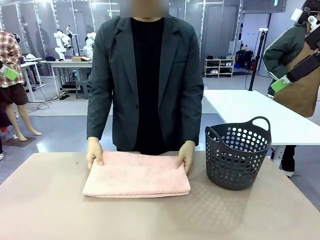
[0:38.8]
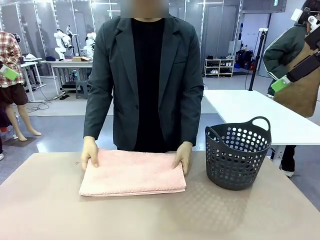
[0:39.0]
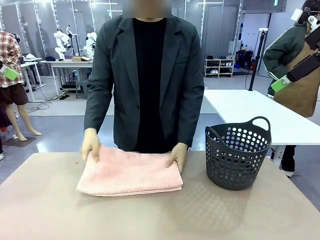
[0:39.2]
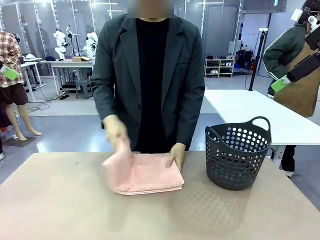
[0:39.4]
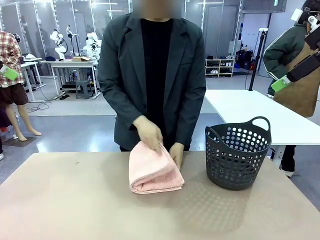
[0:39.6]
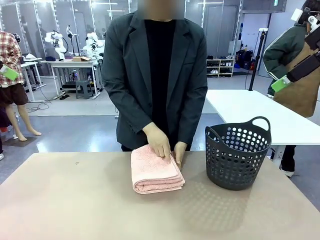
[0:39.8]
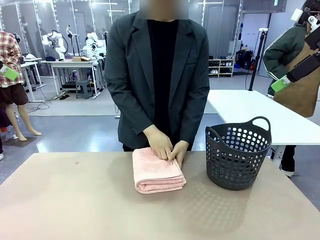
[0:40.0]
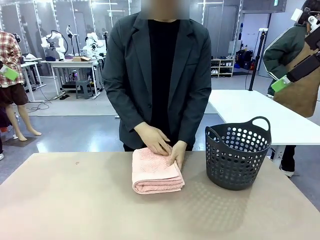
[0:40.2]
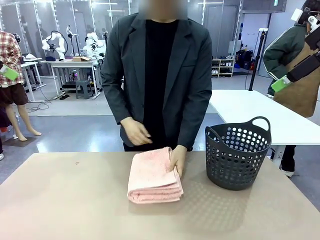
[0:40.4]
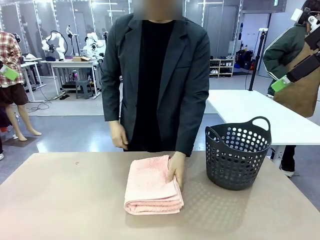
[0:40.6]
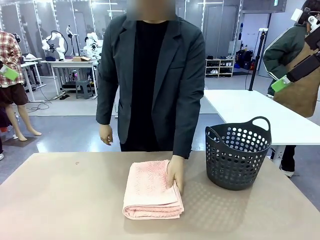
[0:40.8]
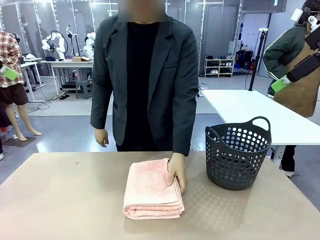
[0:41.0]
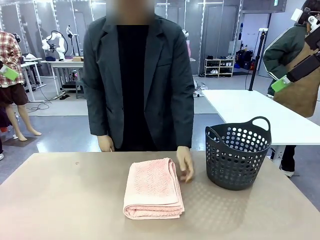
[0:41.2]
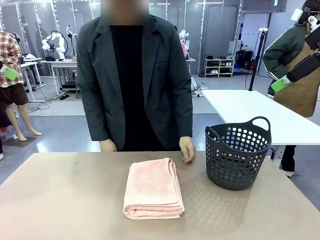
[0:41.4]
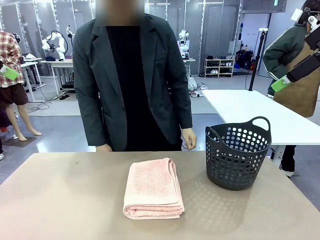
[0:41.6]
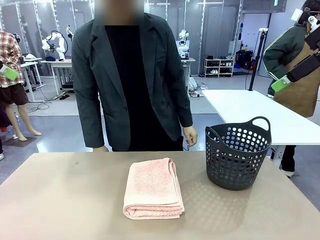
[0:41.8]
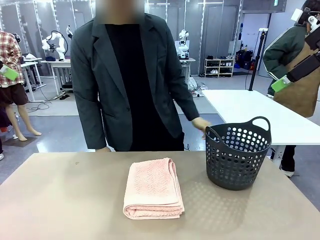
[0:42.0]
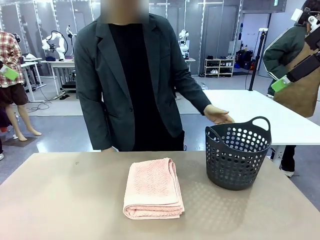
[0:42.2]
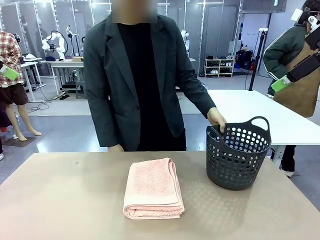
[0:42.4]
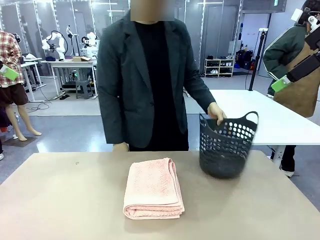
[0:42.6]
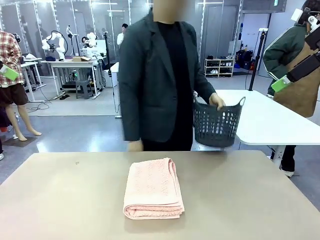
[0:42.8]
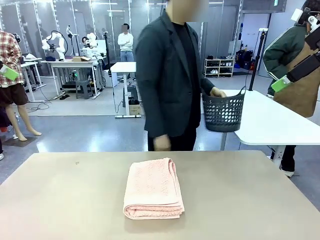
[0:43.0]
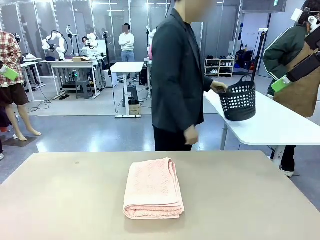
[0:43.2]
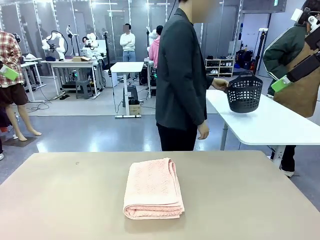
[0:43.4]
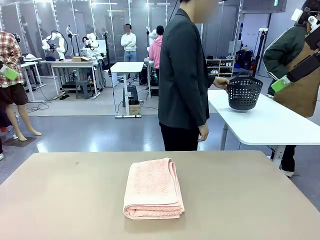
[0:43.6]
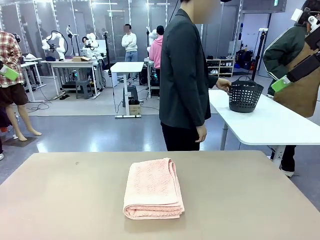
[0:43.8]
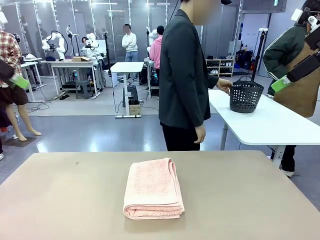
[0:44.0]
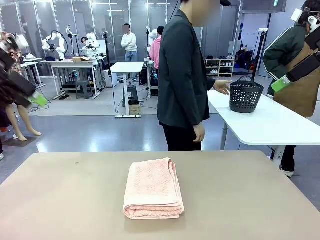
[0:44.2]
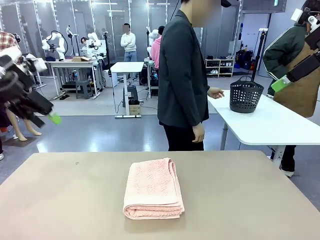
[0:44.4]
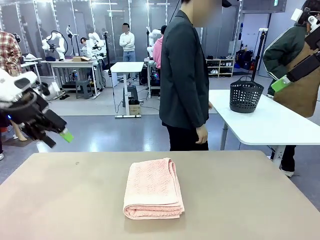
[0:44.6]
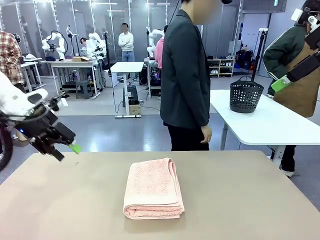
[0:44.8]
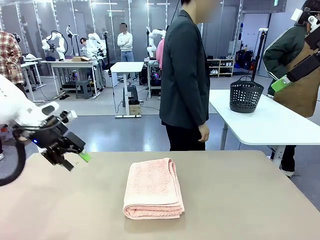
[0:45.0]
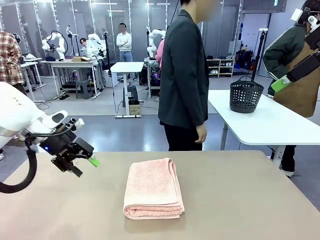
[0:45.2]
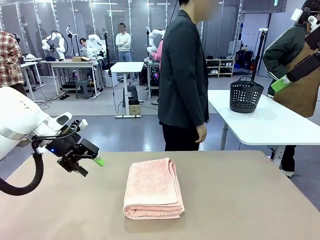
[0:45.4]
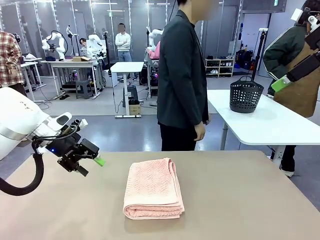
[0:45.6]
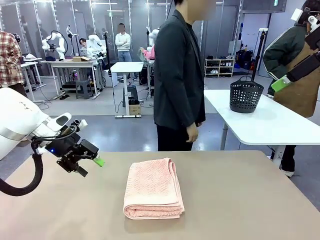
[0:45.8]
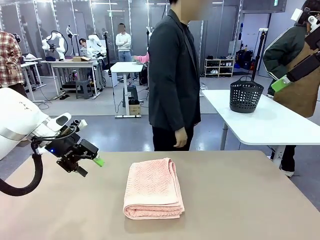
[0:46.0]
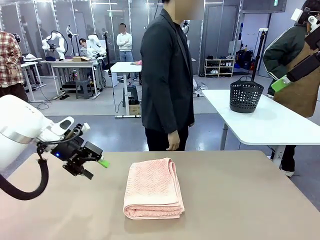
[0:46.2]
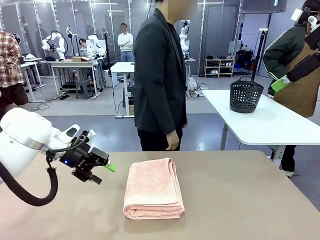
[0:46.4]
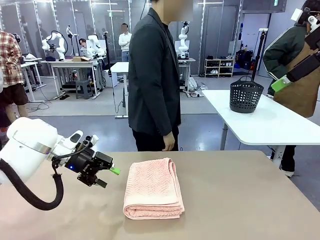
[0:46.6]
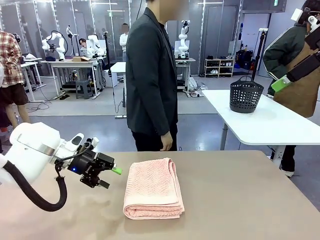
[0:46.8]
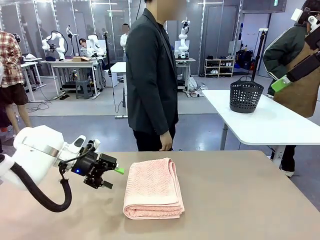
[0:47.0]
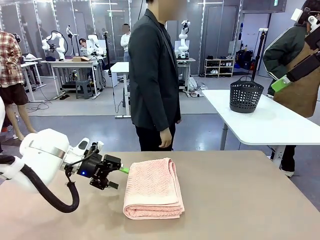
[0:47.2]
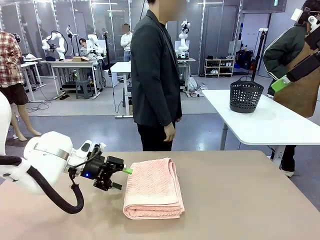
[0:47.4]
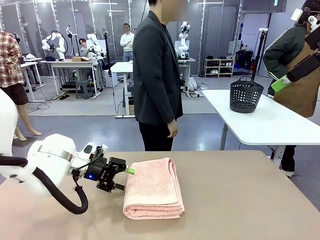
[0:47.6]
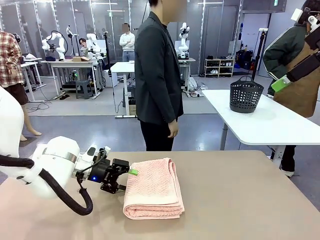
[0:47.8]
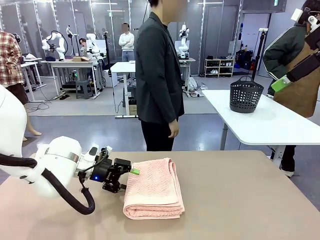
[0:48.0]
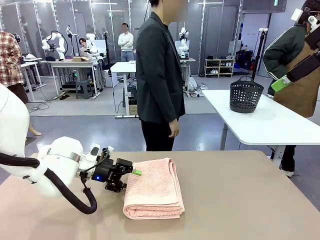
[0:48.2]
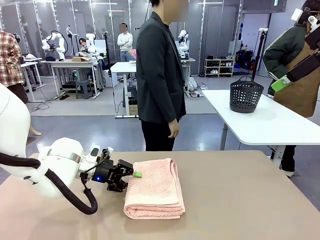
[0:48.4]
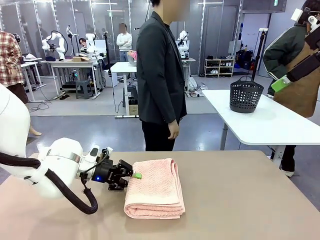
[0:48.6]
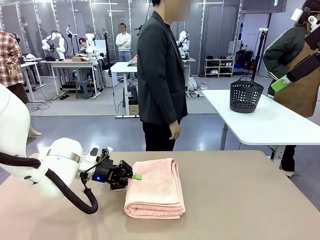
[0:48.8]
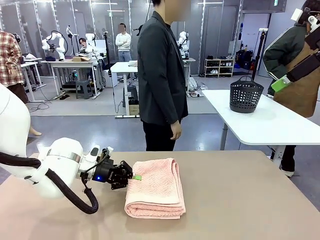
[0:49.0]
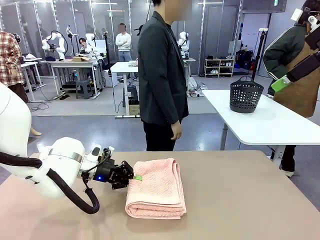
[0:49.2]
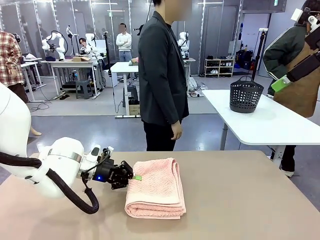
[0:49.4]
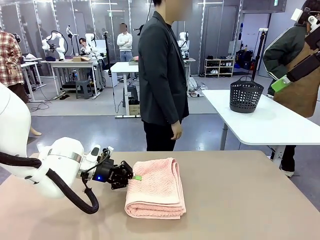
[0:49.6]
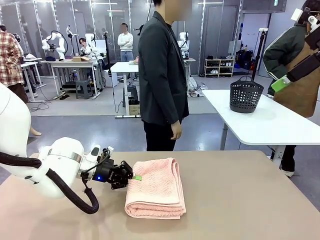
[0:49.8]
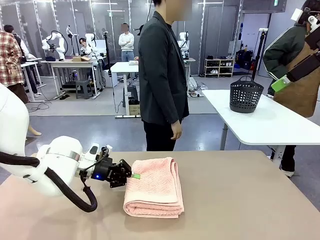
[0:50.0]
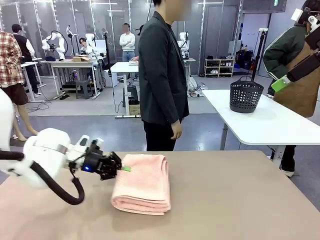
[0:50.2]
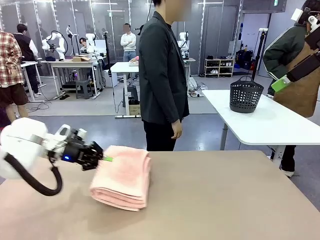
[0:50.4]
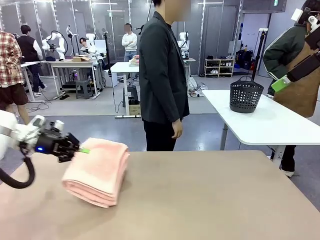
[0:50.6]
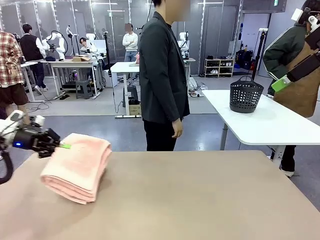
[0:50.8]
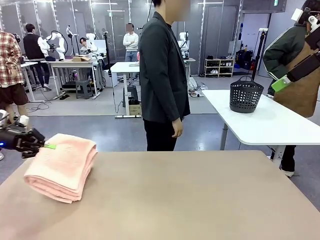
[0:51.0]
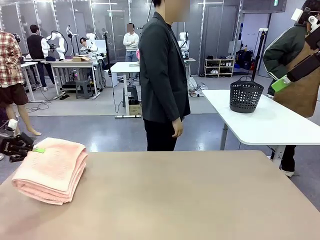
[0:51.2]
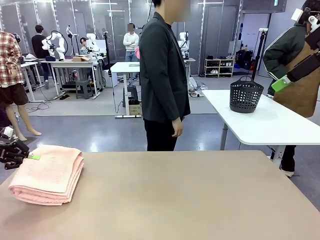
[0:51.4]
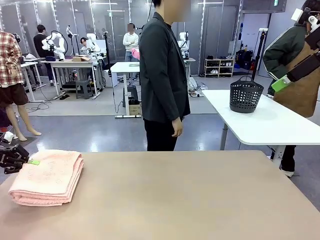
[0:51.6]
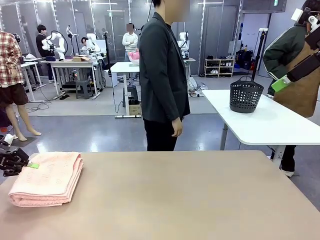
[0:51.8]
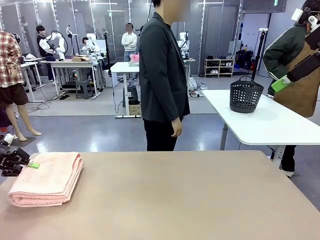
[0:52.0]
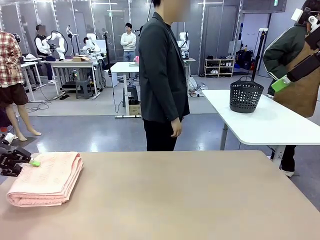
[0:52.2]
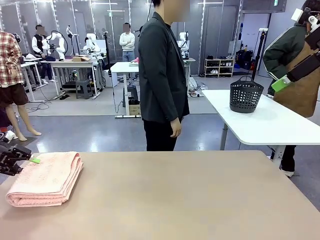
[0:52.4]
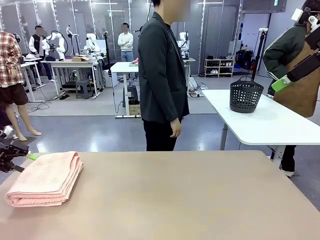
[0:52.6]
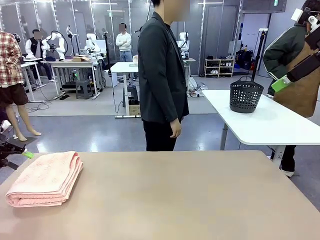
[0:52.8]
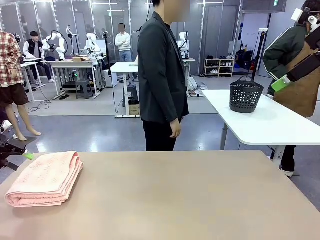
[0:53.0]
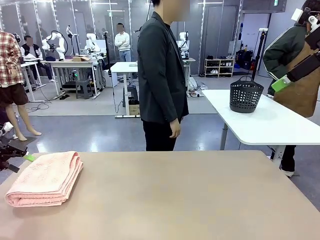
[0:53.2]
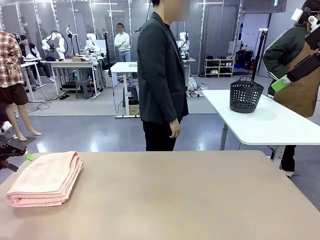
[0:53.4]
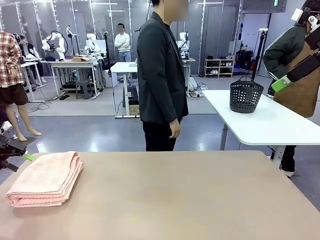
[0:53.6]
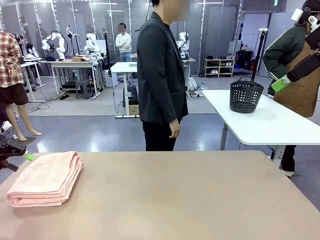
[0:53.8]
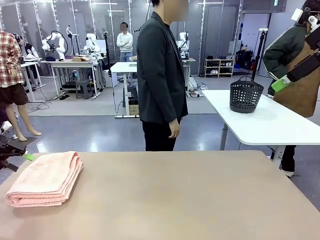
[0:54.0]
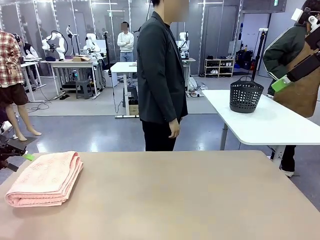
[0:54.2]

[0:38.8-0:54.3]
Task: Fold the towel.
Robot: Pick up the 100 cm Hotel Towel and place it on the left side of the table.
Person: Pick up the laundry basket and place it at the center of the human table.

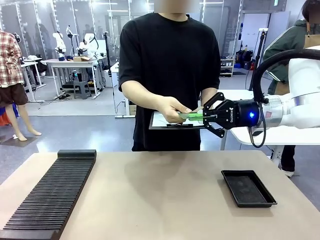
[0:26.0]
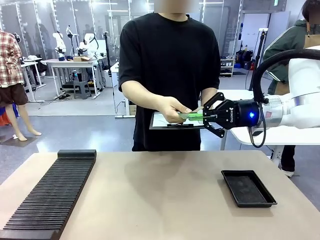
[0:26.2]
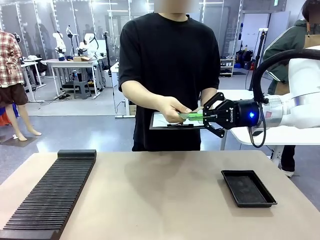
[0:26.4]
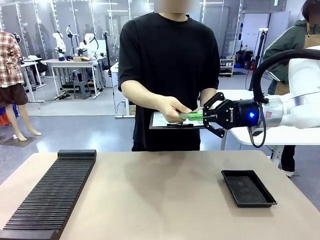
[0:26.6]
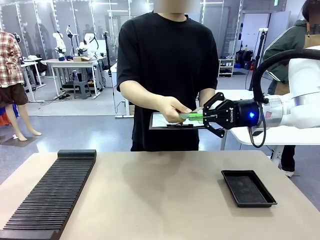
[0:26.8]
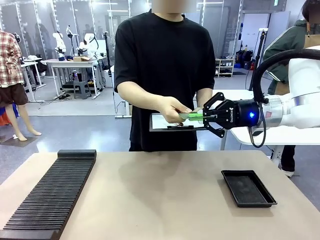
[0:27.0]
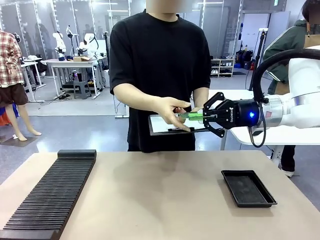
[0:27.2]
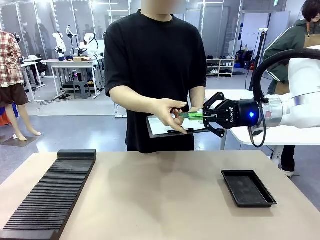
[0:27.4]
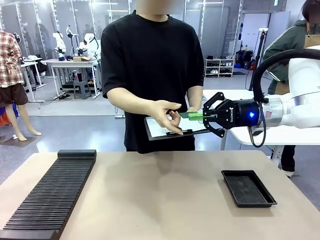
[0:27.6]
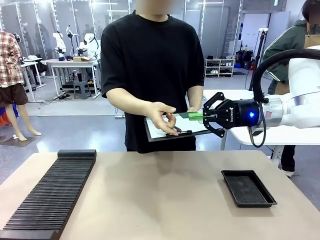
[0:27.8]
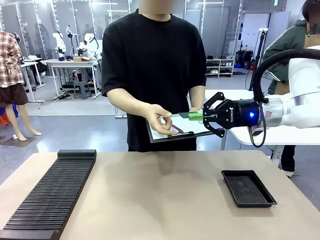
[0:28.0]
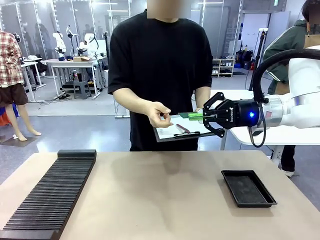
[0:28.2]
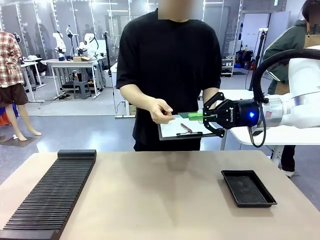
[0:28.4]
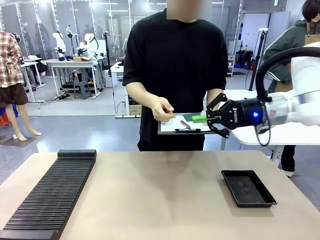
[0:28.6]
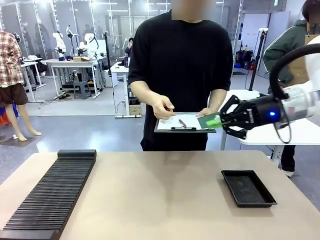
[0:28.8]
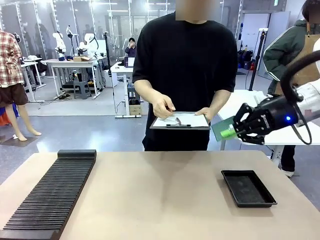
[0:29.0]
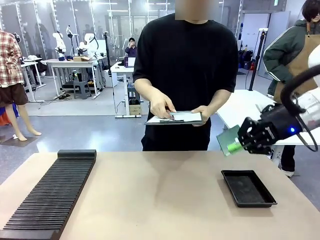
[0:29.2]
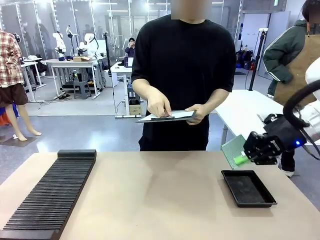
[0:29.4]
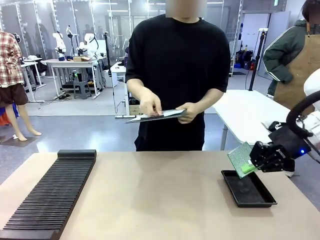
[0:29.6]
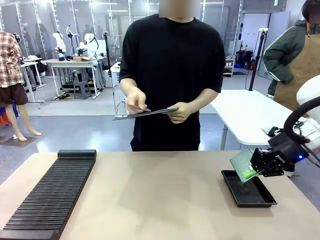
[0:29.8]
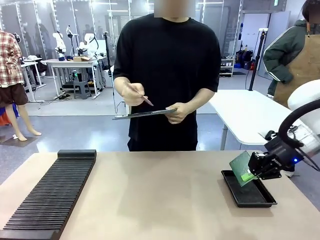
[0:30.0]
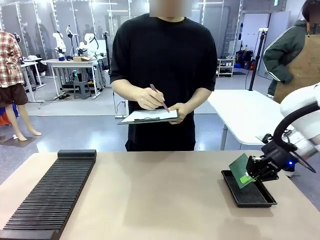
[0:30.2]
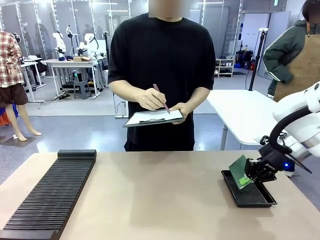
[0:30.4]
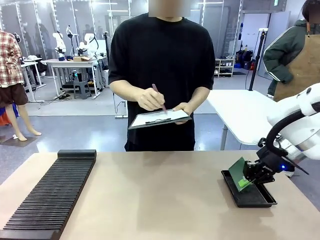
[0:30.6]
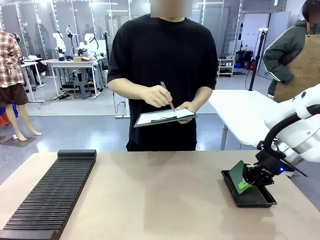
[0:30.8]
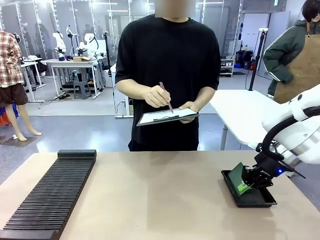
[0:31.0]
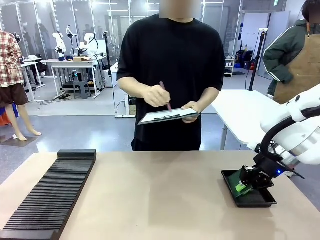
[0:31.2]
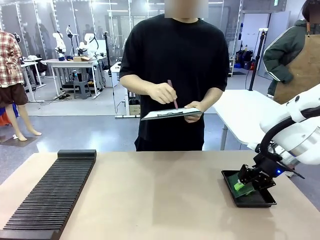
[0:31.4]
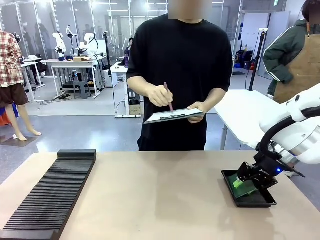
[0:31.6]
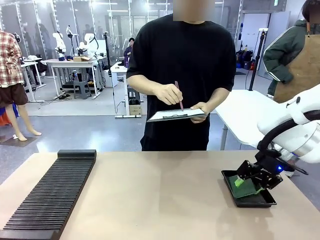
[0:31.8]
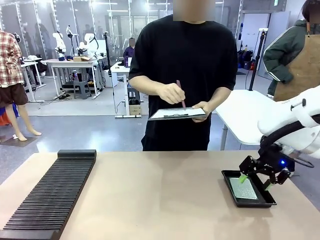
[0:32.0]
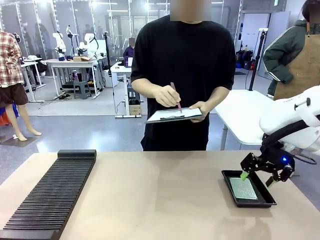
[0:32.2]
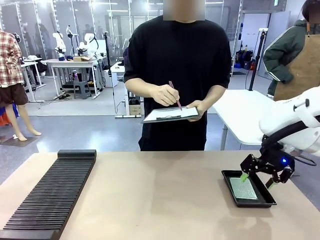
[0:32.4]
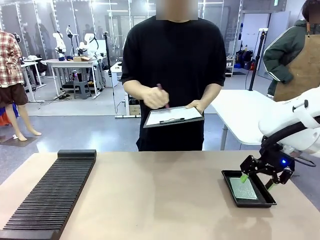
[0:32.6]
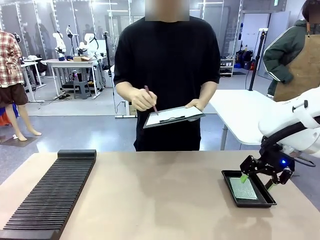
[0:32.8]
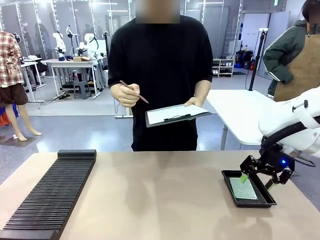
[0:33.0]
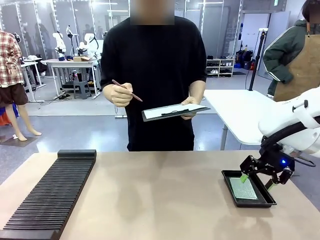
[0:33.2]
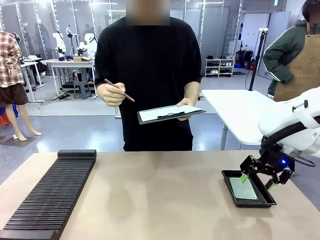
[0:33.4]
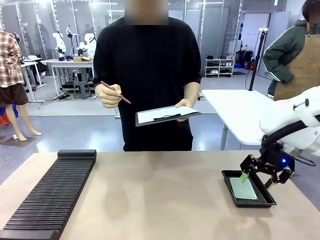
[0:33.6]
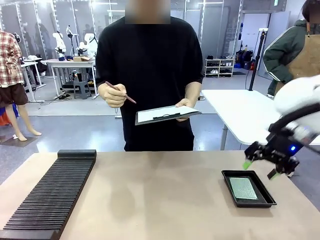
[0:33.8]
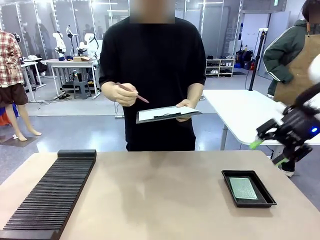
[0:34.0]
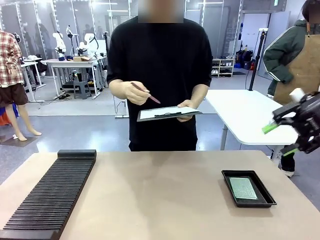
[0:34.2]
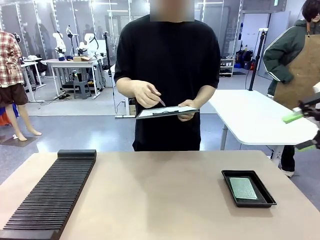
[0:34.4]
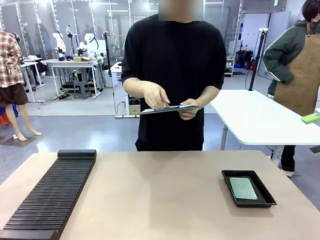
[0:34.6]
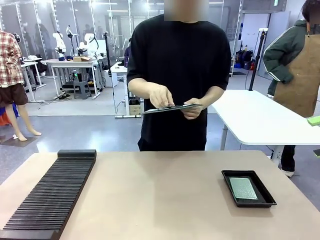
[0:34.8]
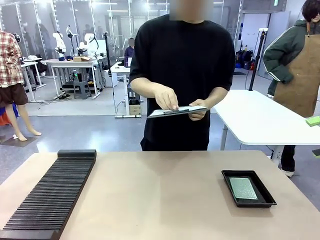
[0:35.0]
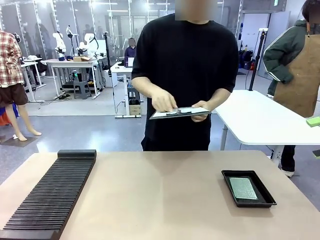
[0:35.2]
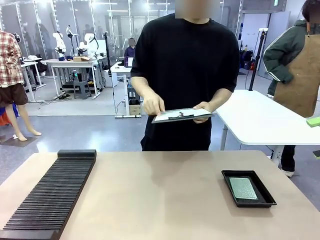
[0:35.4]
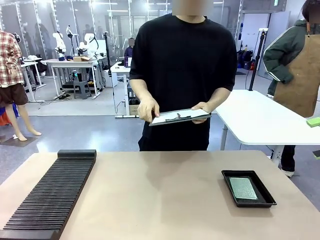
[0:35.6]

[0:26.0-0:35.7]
Task: Inspect the PCB.
Robot: Place the Blank PCB in the ESD tray.
Person: Record the PCB status on the paper.
